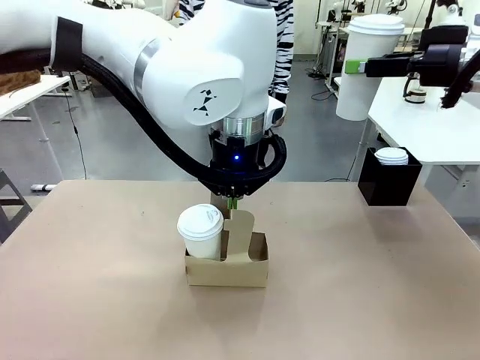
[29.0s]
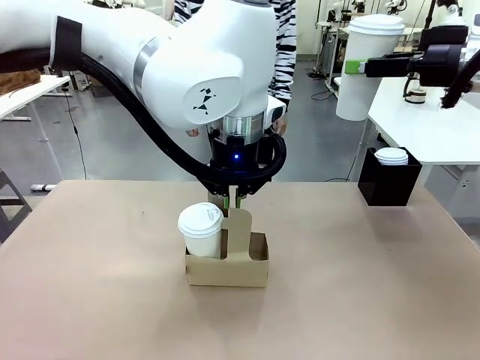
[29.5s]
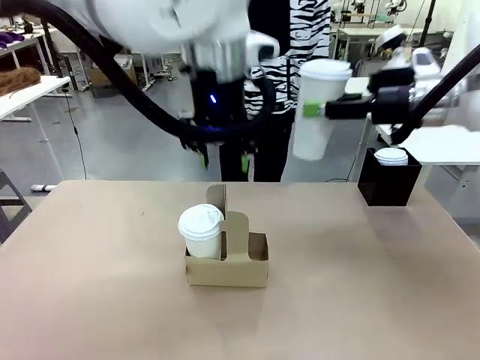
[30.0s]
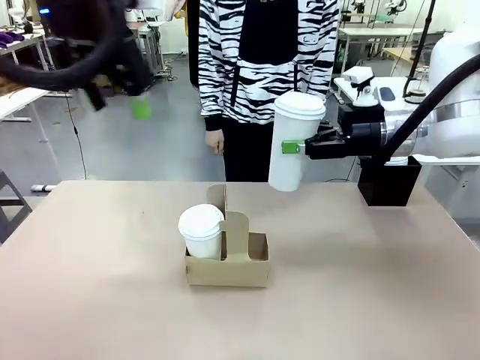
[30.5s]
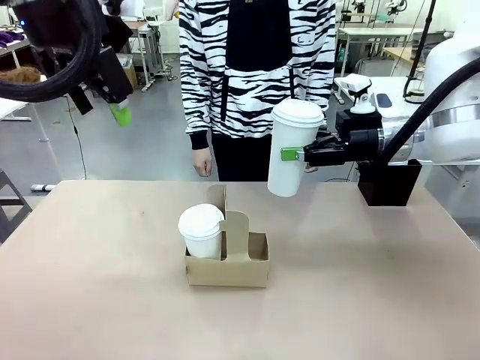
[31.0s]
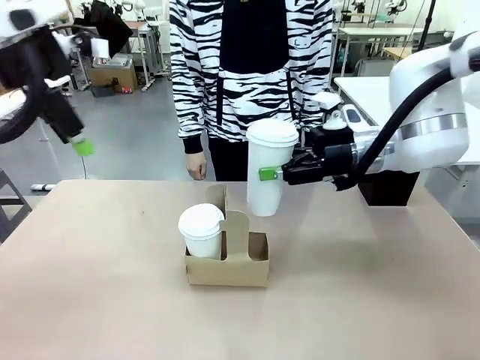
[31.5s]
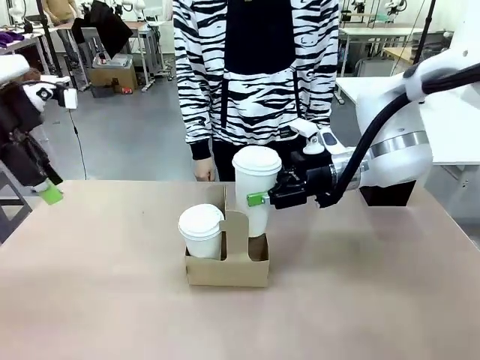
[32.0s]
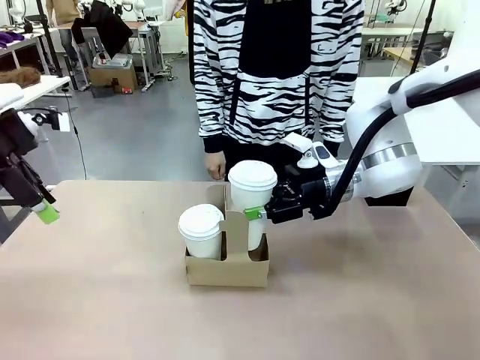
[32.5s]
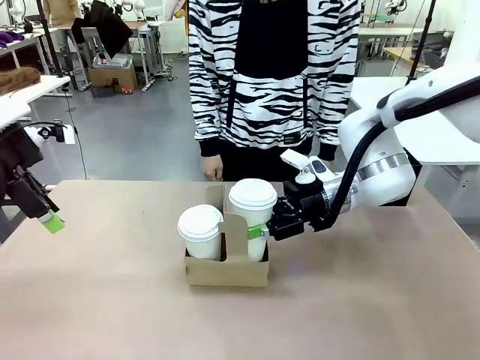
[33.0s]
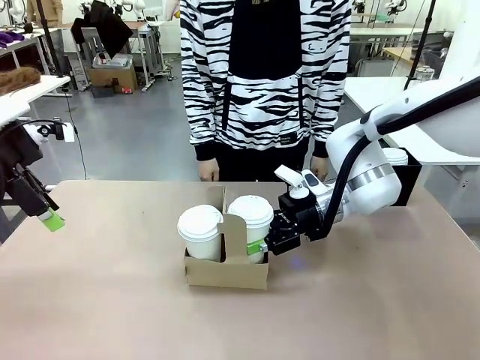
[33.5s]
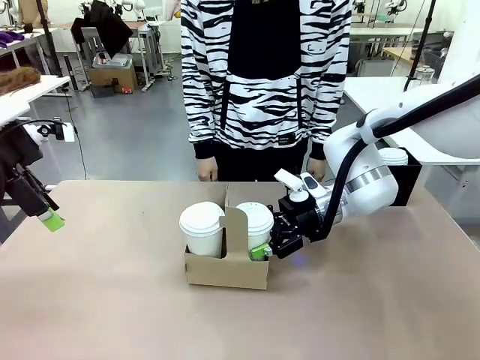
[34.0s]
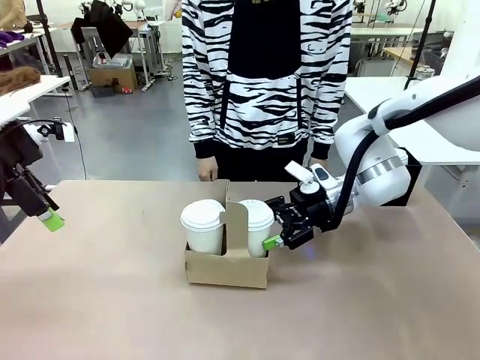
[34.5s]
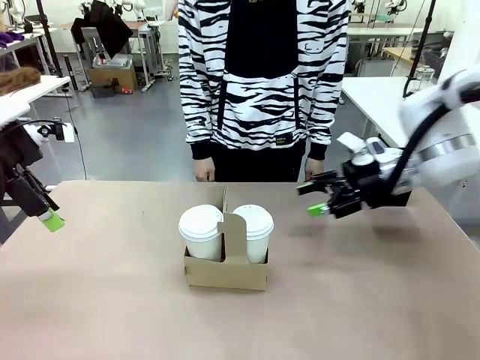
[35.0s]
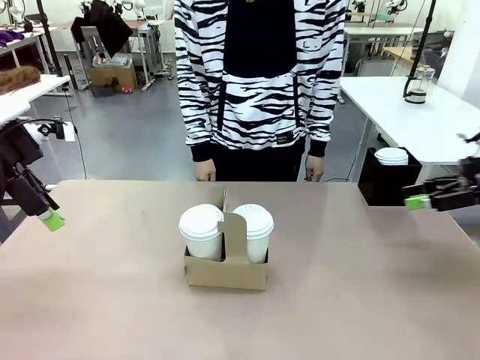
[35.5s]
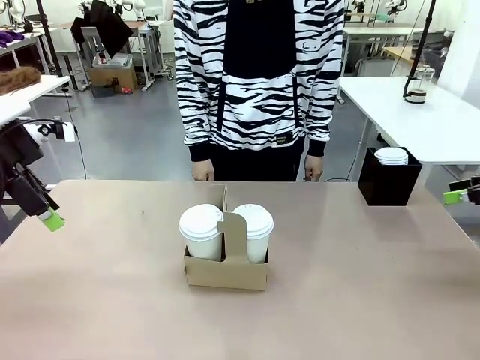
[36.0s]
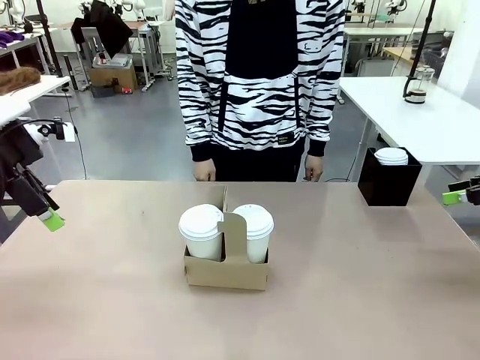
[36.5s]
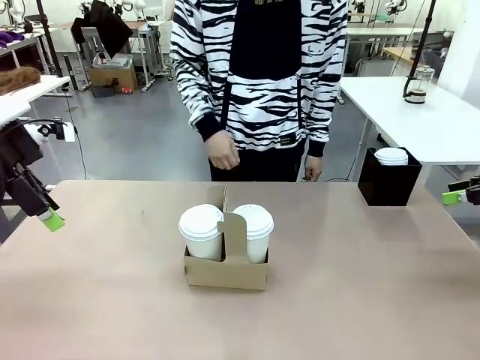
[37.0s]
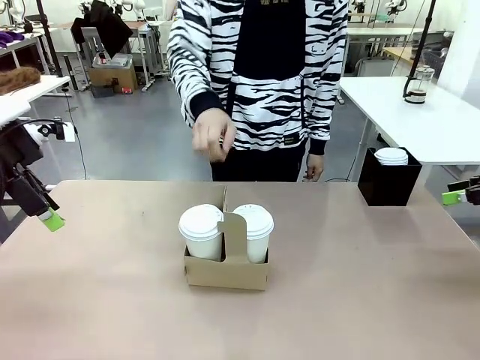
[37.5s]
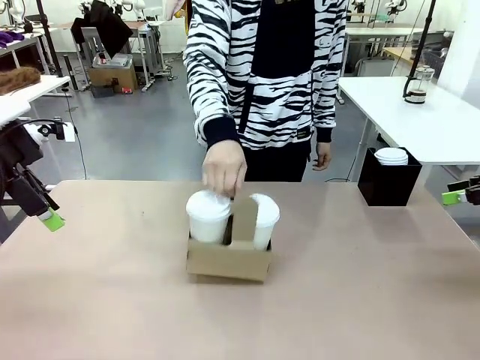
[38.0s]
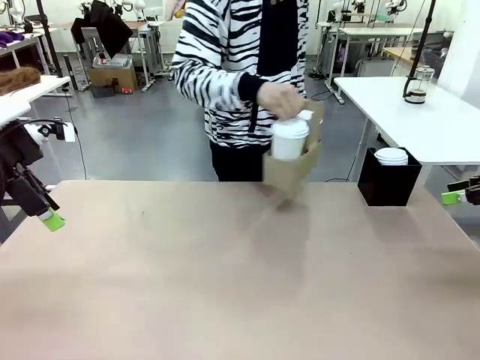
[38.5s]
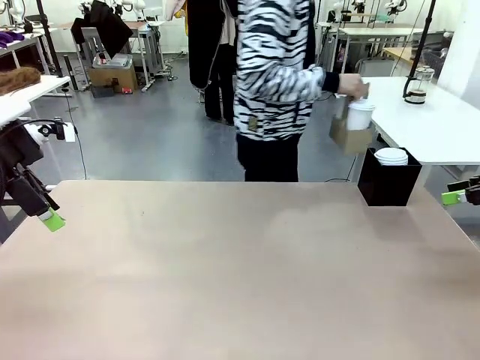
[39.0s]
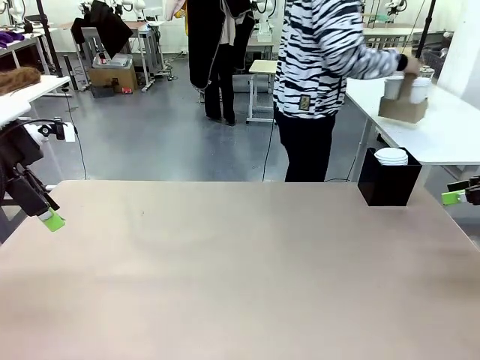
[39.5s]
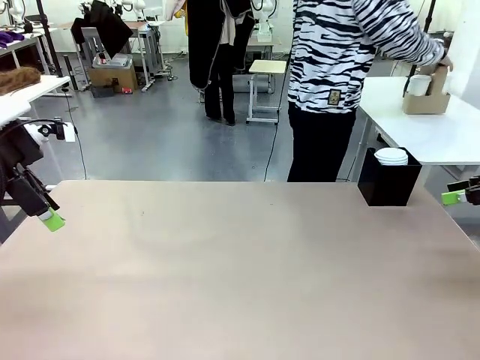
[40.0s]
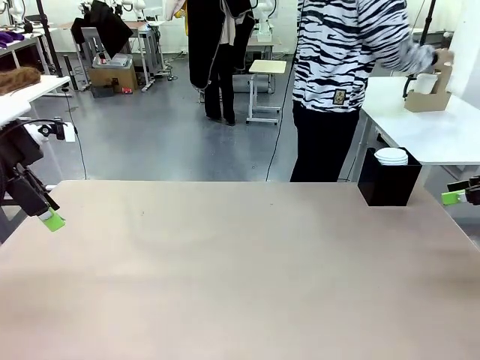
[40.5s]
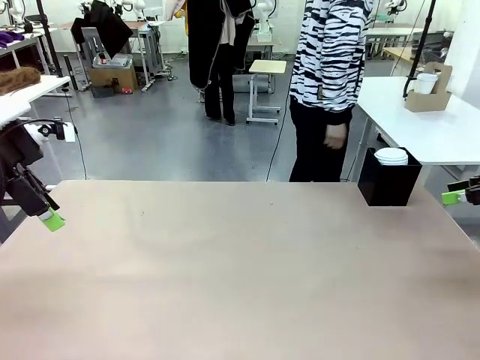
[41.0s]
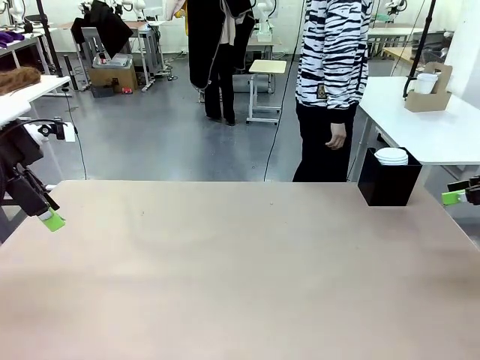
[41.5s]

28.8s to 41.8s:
Task: Pour a drink into a cup and package it in a carrier.
Robot: Insert the held 600 ml Paper Cup into the Cup Carrier.
Person: Place the Cup Carrier to the middle of Human table.

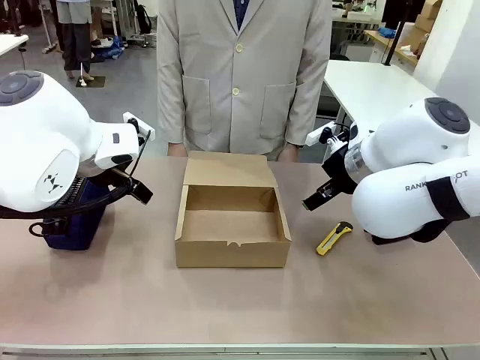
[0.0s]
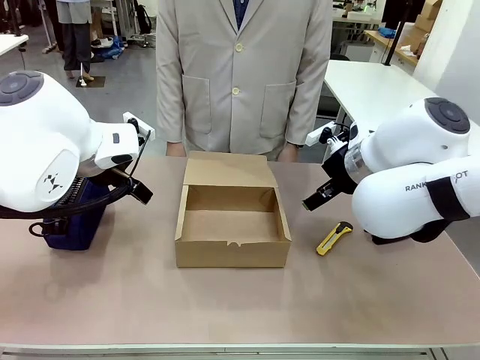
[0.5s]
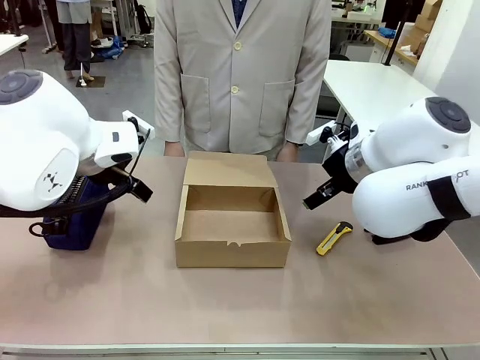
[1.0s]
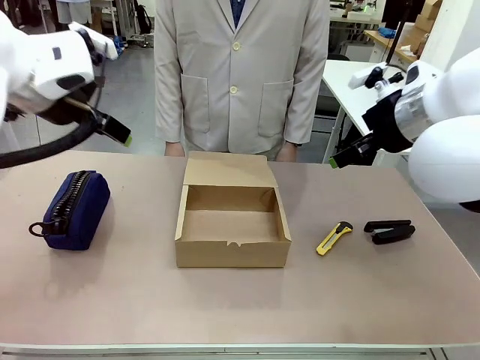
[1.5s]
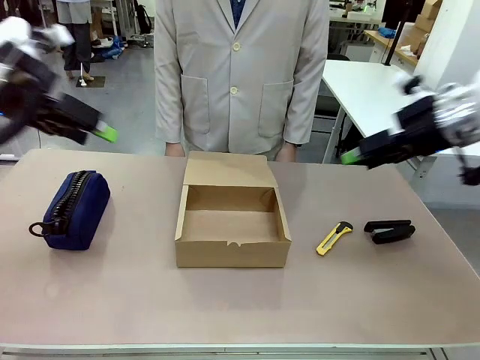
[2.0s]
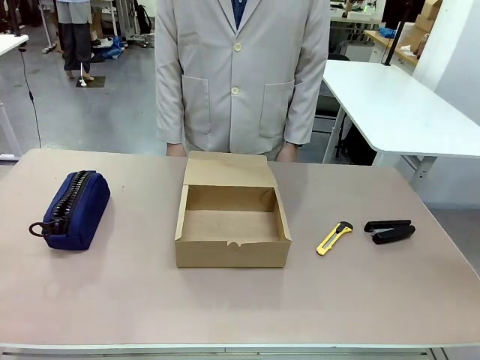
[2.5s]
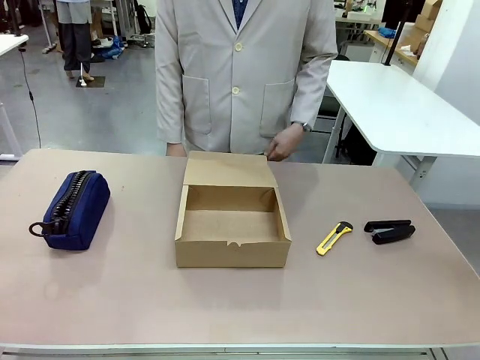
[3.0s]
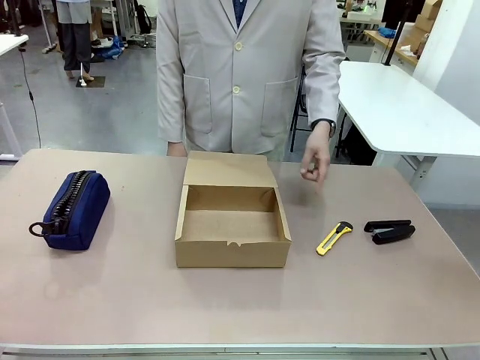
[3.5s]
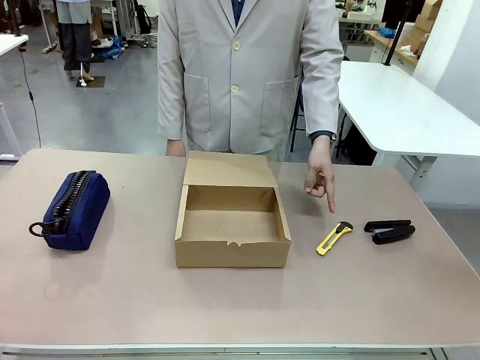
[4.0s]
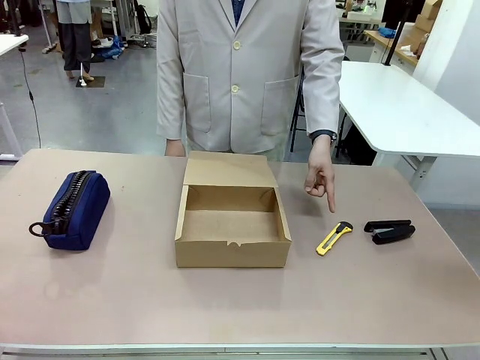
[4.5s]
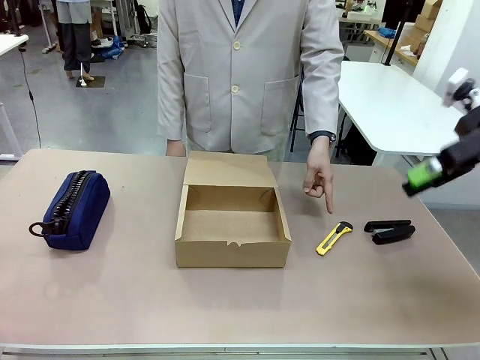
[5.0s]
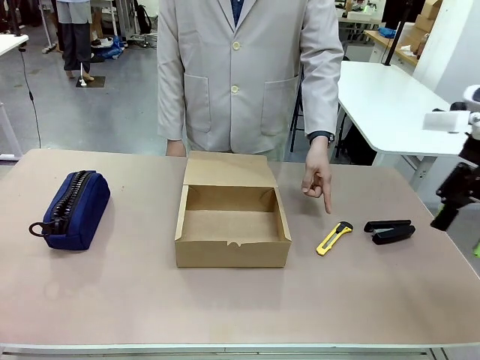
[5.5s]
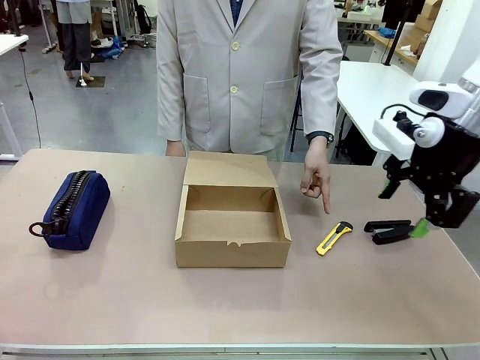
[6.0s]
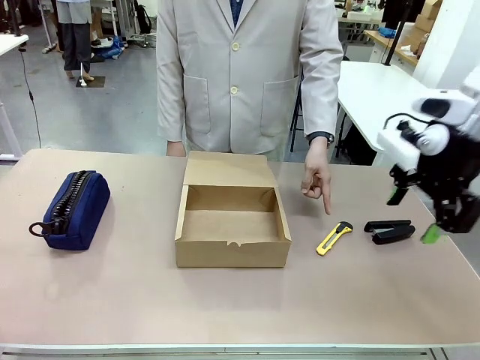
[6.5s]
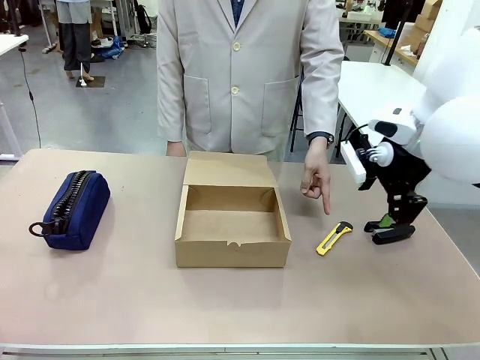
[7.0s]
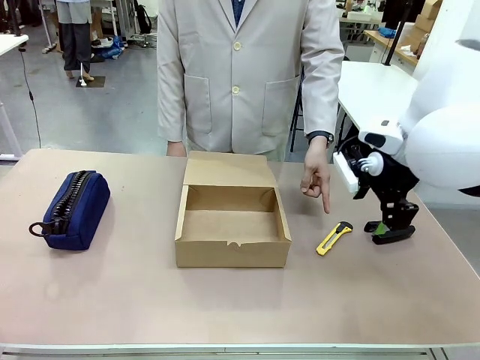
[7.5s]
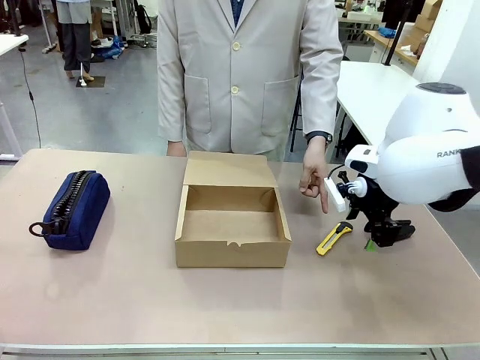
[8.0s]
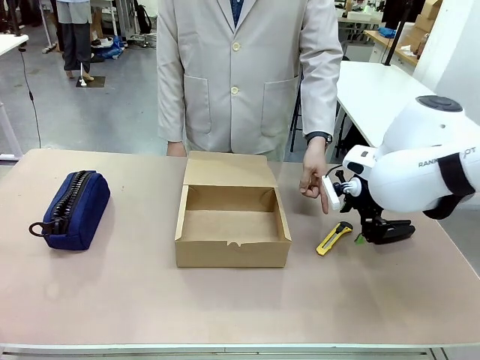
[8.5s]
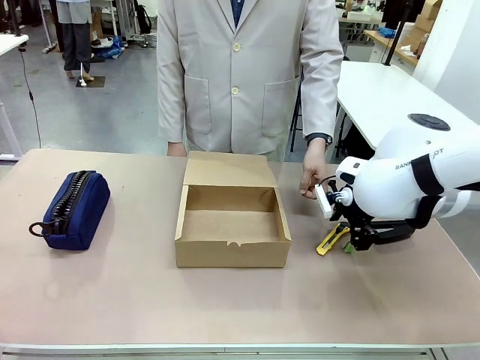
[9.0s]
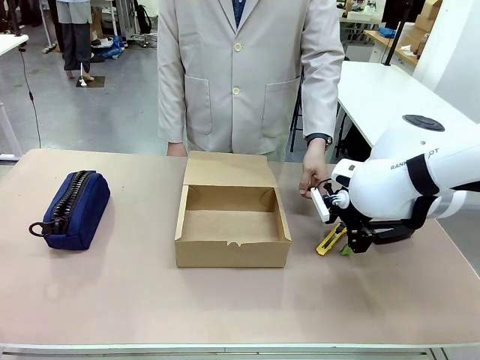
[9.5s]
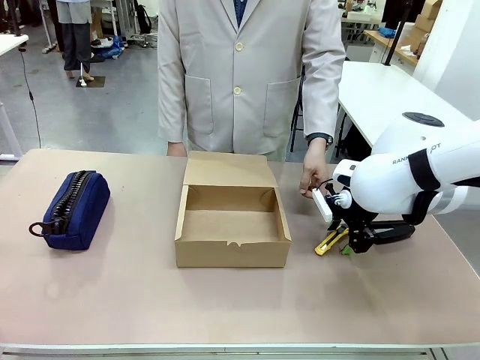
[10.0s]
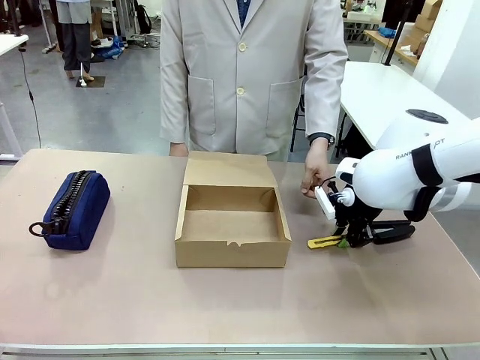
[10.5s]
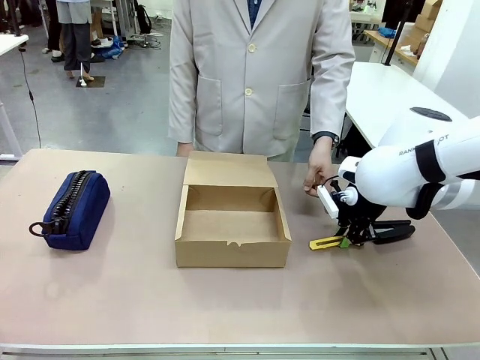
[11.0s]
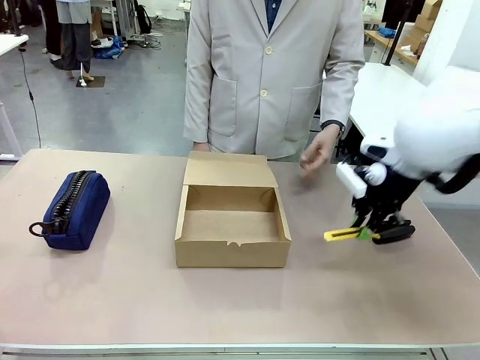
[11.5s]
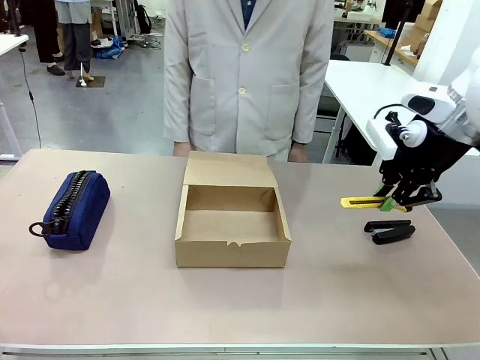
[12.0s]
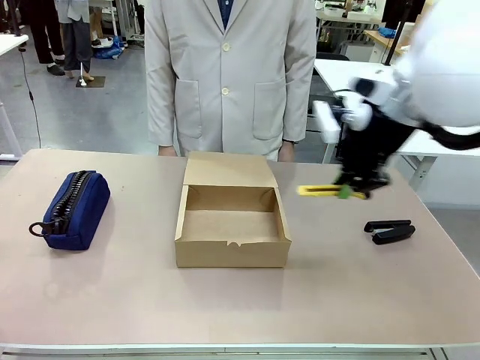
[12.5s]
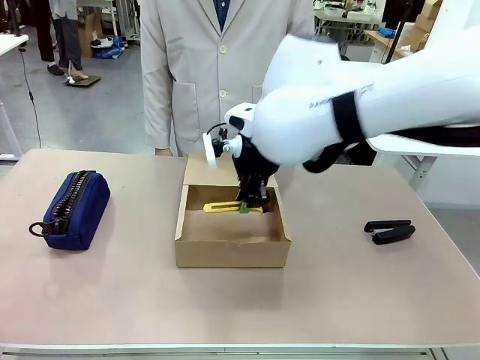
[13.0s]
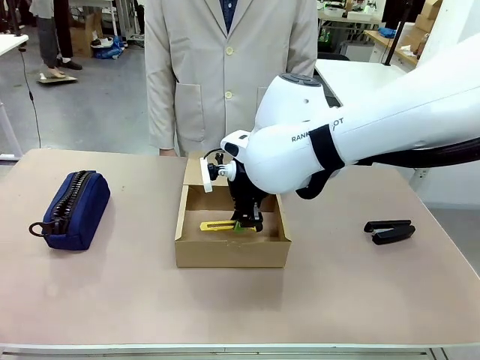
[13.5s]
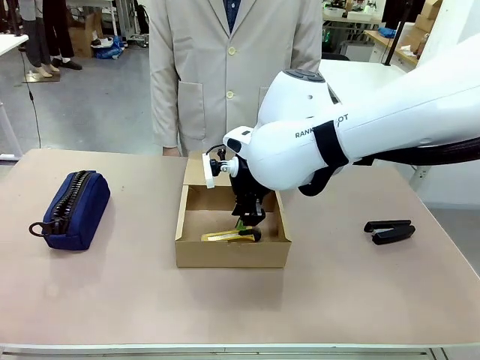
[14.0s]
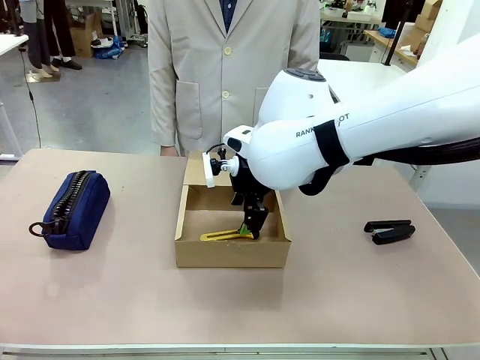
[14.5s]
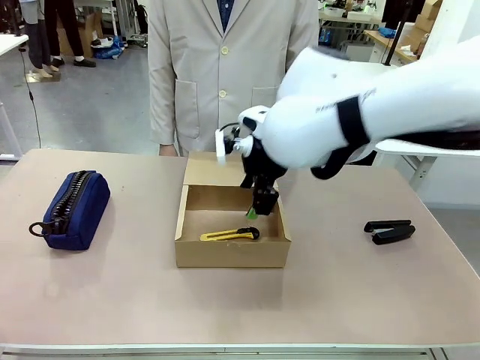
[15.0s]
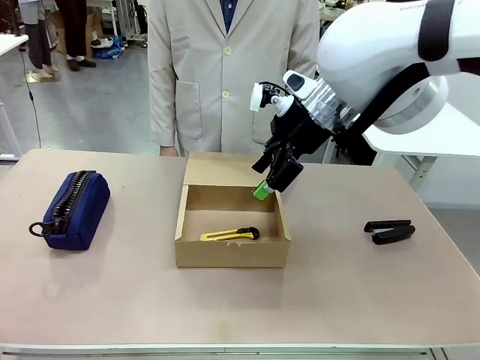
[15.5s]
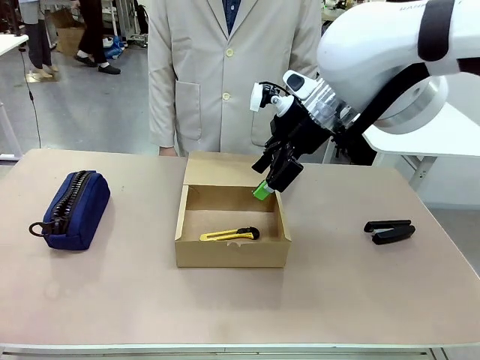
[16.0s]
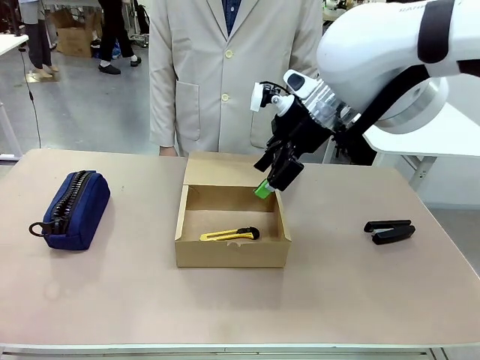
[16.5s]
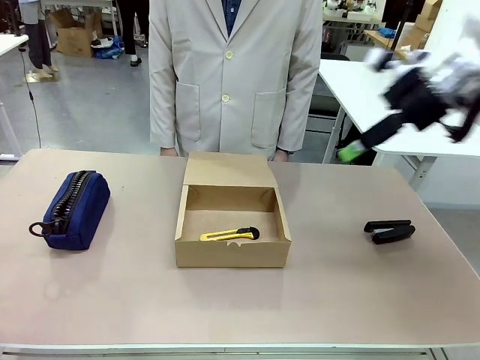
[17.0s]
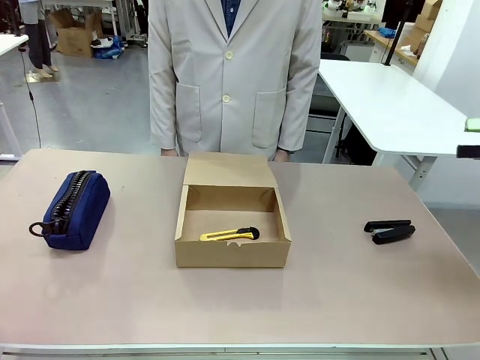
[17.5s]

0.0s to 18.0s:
Task: Pack the item into the box.
Robot: Pick up the item indicated by the person and place it inside the Mailer Box.
Person: Point at one item on the table (excluding the box).
